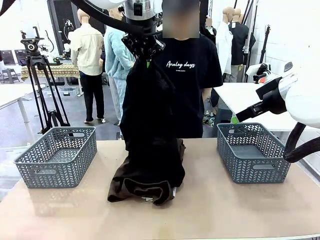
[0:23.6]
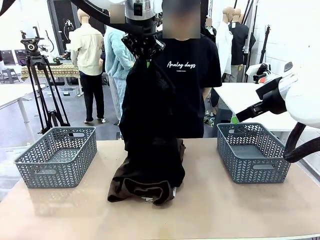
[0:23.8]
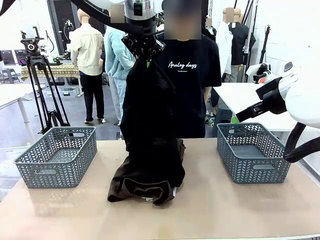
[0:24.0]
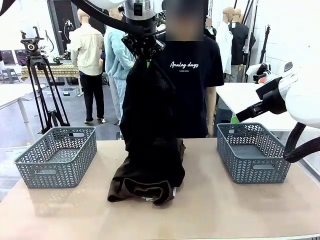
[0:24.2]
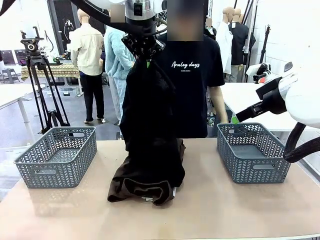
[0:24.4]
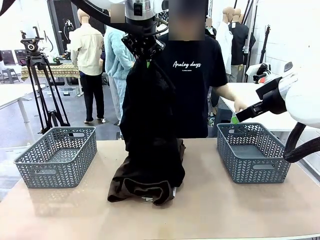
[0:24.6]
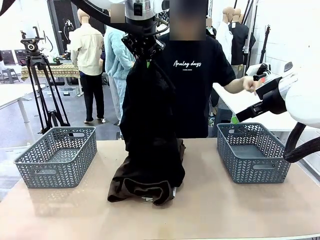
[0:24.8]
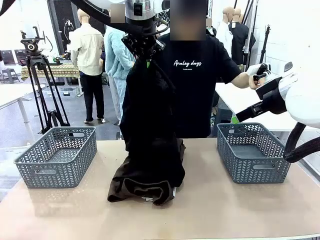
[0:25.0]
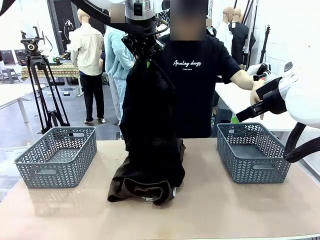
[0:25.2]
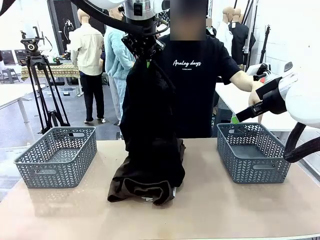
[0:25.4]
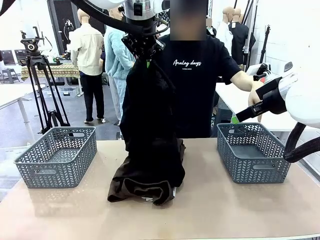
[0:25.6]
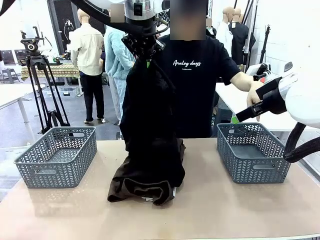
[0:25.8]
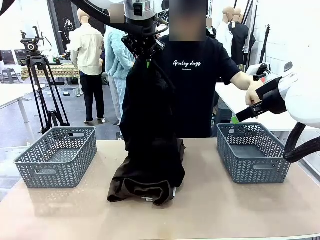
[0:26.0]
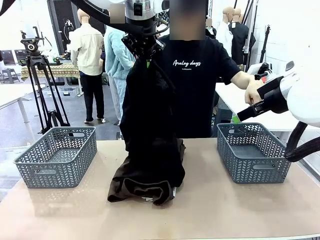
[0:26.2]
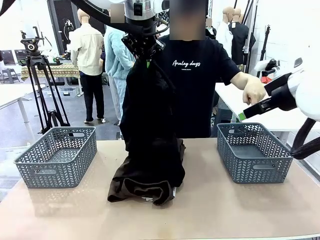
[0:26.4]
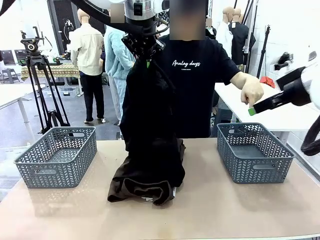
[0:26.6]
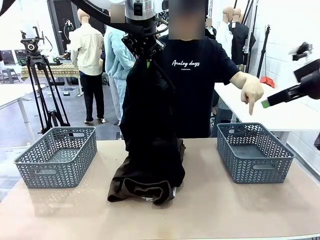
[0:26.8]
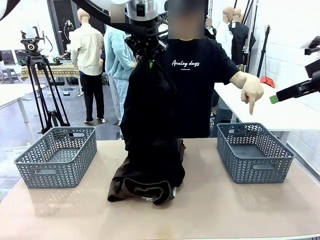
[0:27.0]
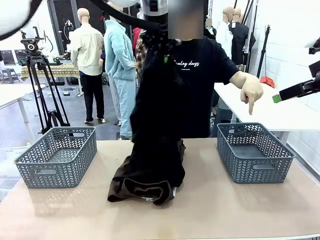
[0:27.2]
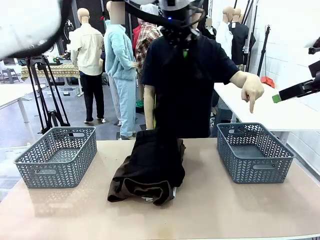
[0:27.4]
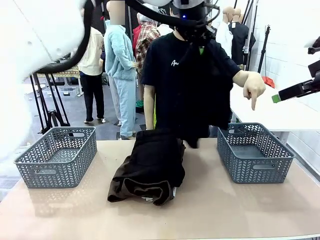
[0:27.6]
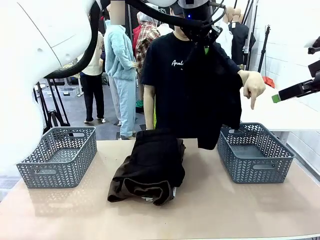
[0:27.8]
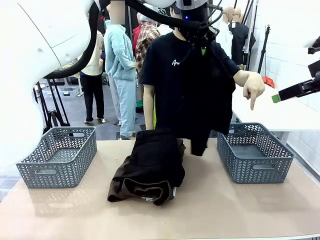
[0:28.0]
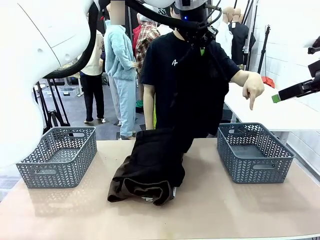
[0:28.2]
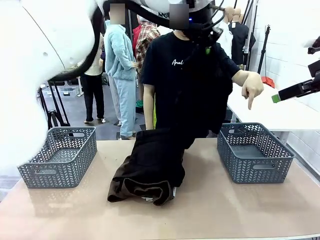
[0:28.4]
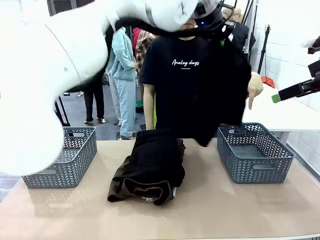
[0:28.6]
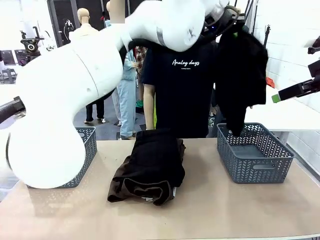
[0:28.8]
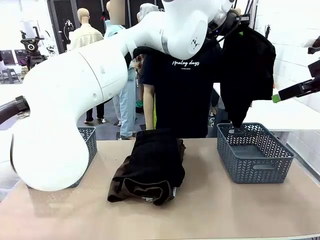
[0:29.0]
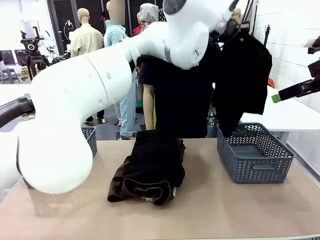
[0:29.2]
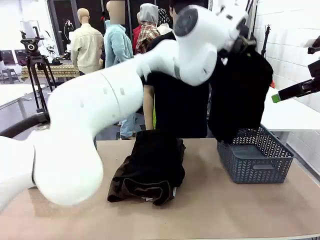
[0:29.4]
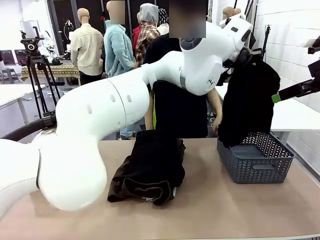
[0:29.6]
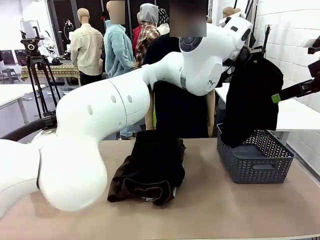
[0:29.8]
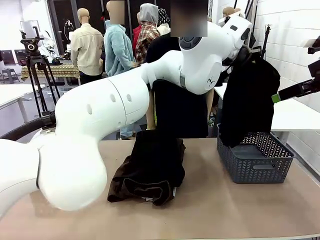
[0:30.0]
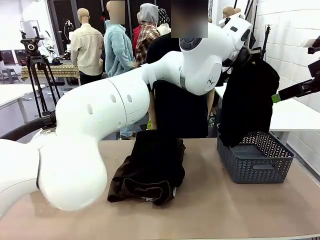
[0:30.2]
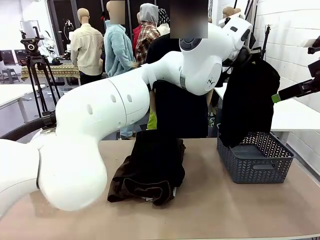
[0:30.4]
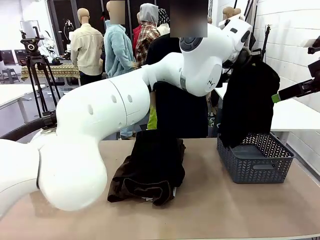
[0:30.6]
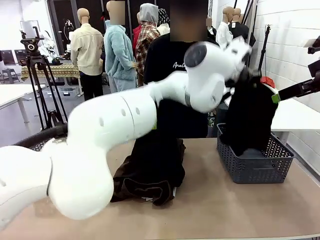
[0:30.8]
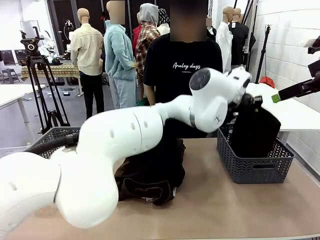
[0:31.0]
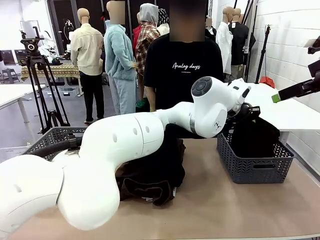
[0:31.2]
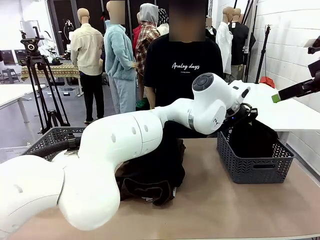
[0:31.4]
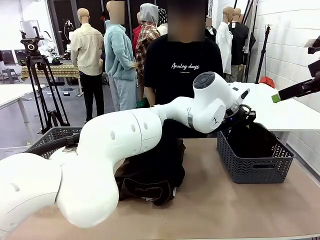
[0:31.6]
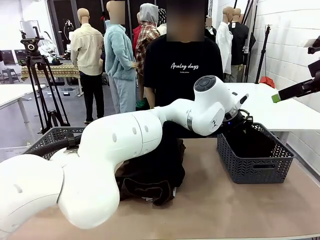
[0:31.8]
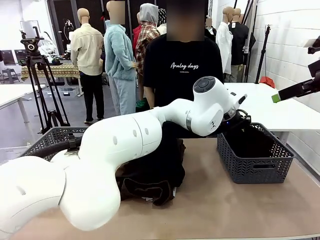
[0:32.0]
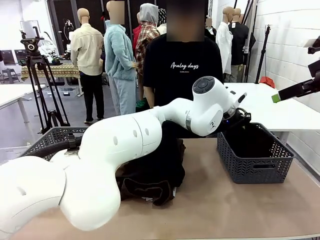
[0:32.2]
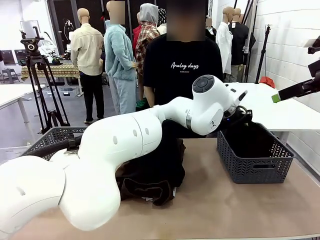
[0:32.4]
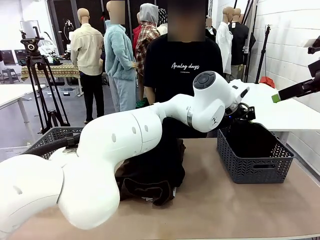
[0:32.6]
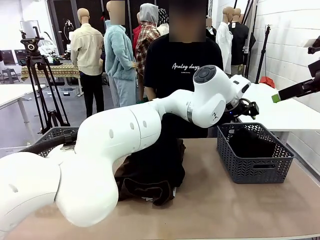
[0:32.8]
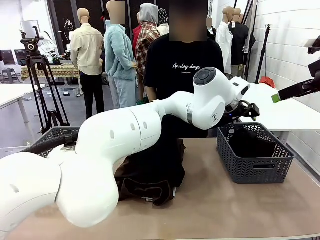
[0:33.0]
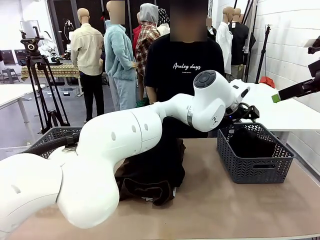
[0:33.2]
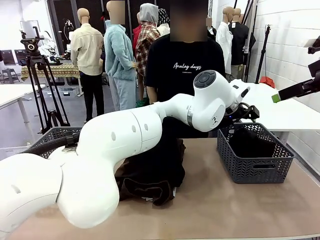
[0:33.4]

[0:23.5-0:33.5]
Task: Sort the tops and bottoms.
Robot: Sort the clothes according to human instructions.

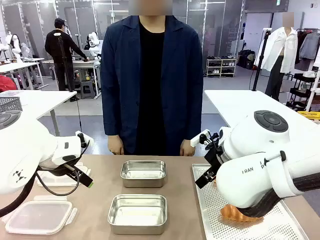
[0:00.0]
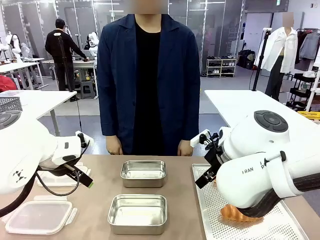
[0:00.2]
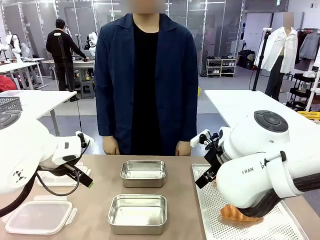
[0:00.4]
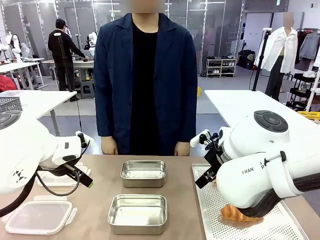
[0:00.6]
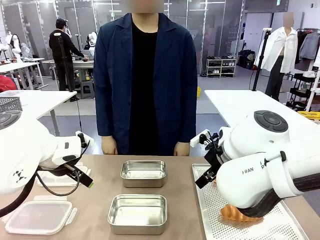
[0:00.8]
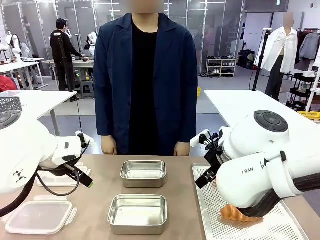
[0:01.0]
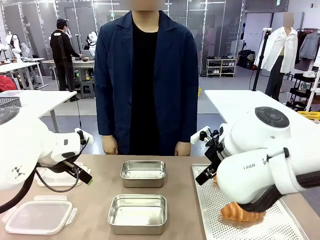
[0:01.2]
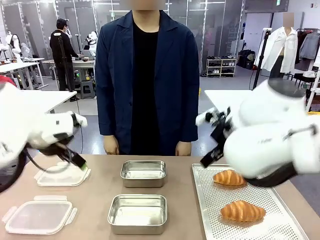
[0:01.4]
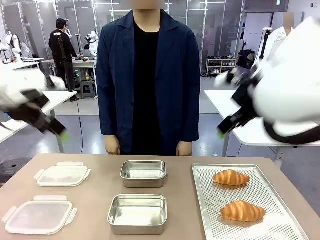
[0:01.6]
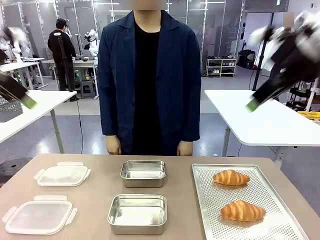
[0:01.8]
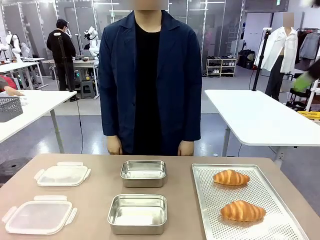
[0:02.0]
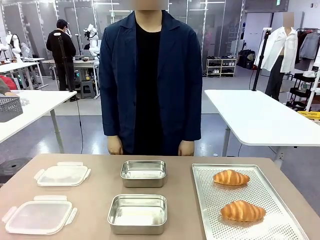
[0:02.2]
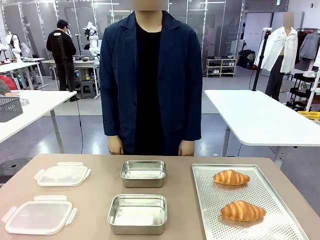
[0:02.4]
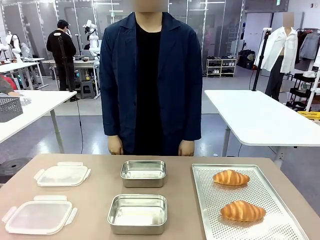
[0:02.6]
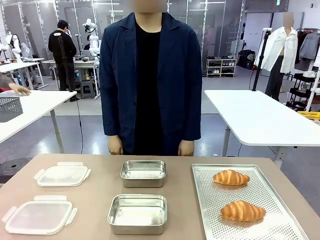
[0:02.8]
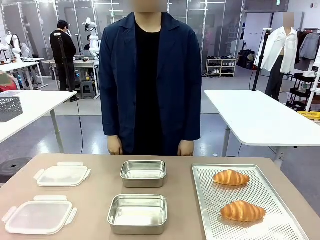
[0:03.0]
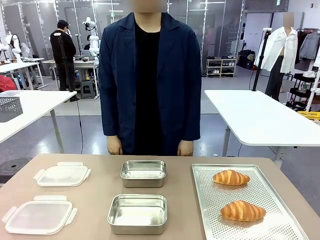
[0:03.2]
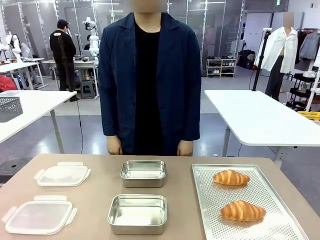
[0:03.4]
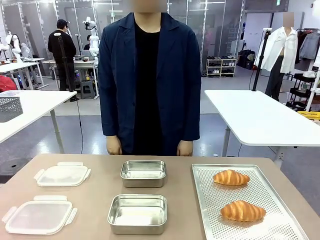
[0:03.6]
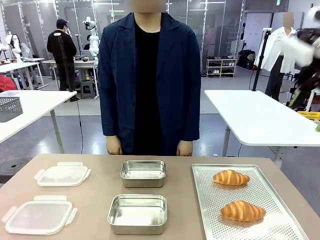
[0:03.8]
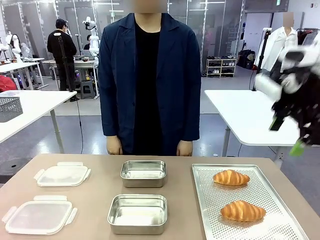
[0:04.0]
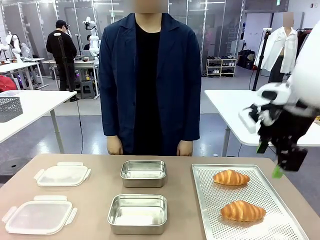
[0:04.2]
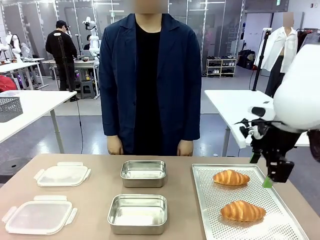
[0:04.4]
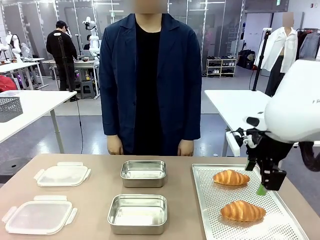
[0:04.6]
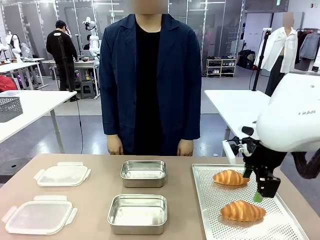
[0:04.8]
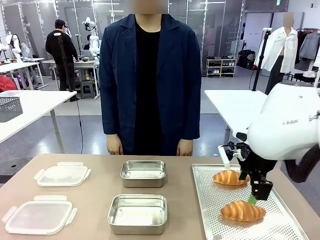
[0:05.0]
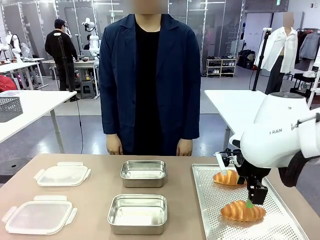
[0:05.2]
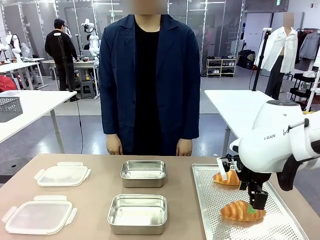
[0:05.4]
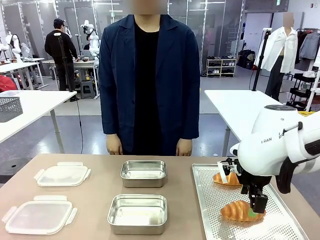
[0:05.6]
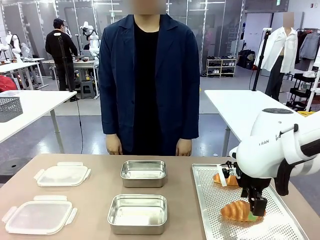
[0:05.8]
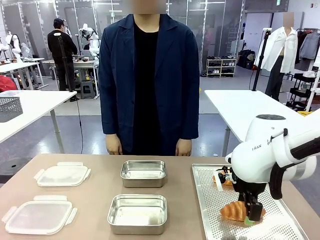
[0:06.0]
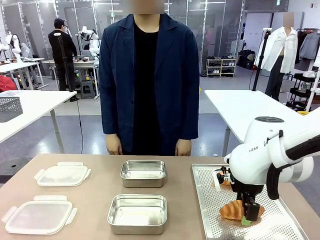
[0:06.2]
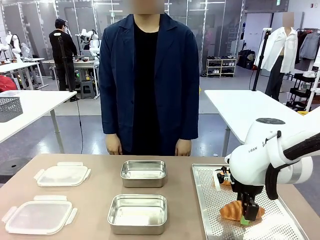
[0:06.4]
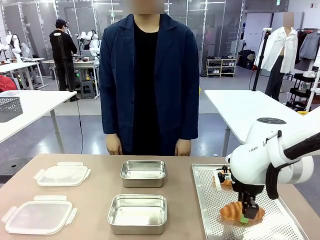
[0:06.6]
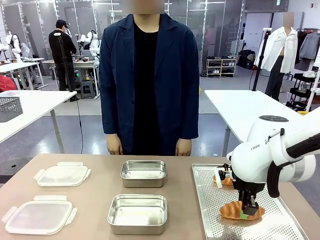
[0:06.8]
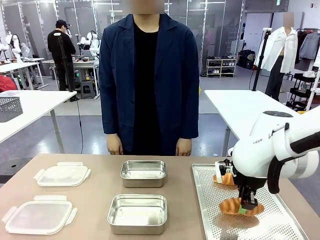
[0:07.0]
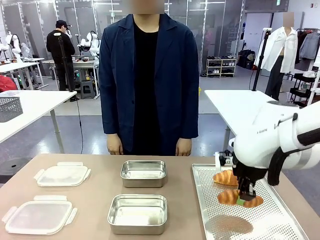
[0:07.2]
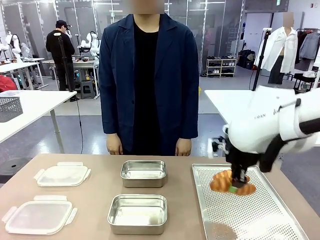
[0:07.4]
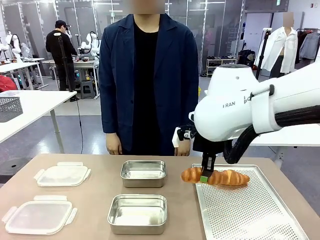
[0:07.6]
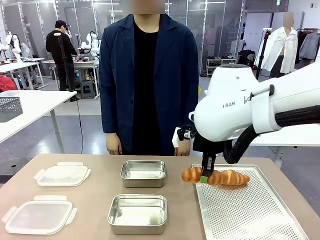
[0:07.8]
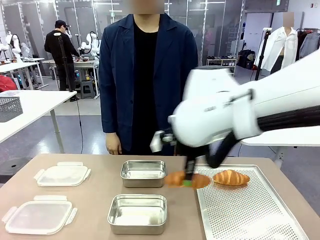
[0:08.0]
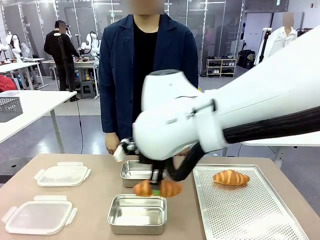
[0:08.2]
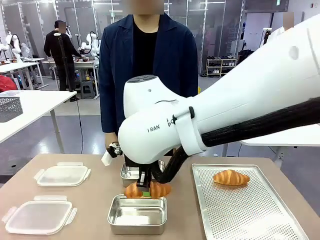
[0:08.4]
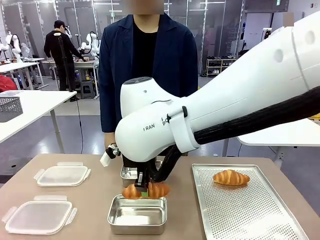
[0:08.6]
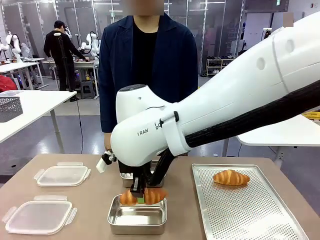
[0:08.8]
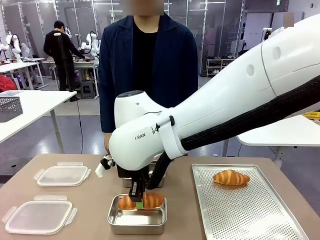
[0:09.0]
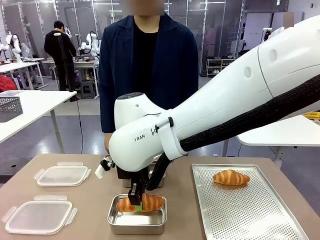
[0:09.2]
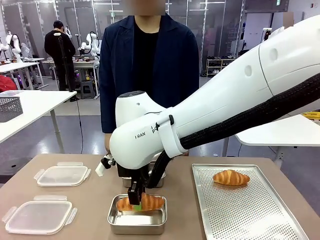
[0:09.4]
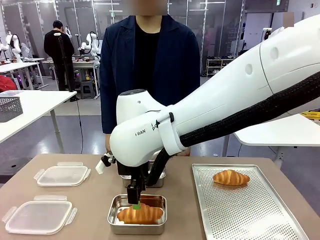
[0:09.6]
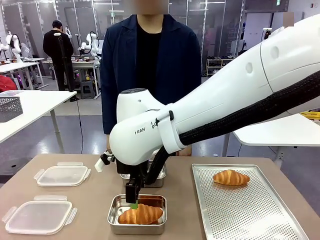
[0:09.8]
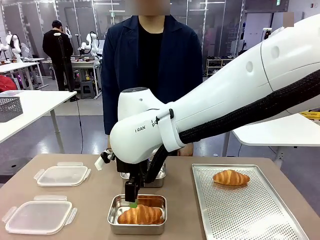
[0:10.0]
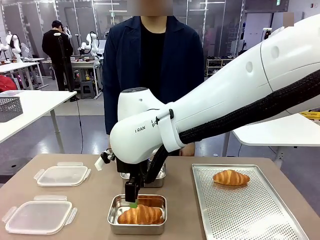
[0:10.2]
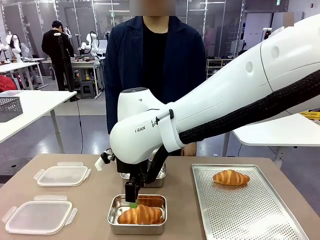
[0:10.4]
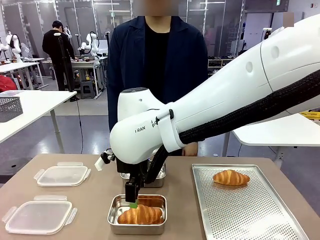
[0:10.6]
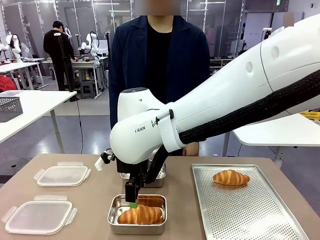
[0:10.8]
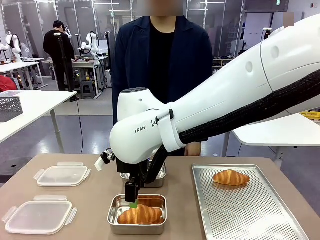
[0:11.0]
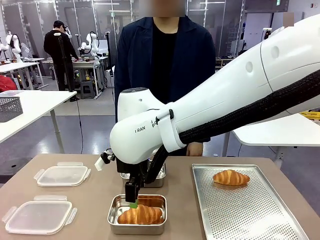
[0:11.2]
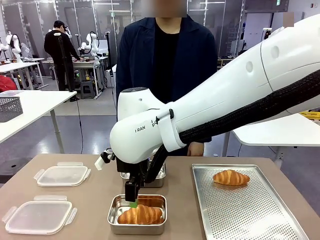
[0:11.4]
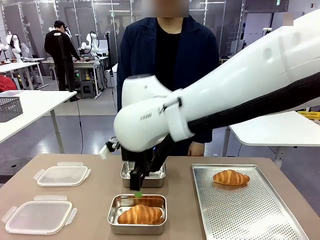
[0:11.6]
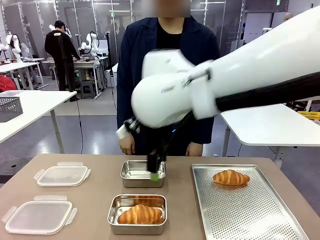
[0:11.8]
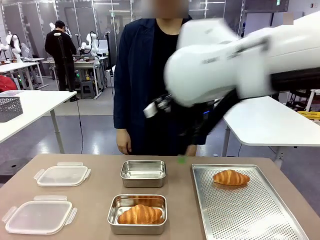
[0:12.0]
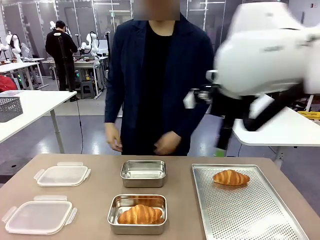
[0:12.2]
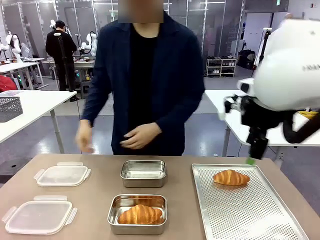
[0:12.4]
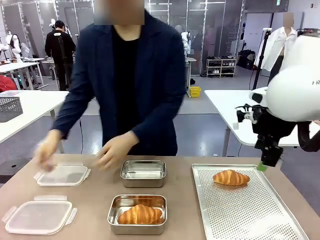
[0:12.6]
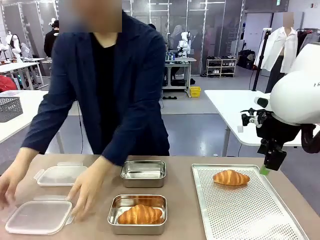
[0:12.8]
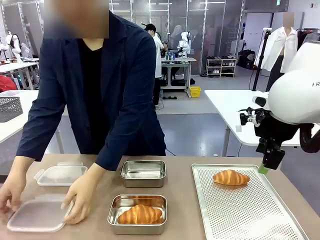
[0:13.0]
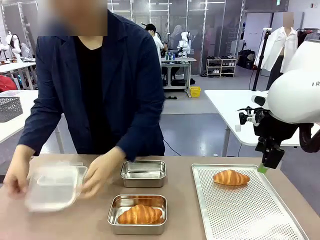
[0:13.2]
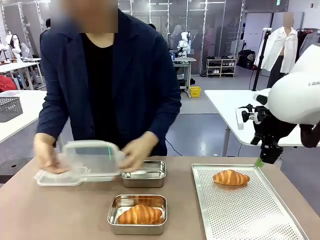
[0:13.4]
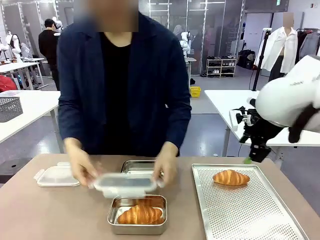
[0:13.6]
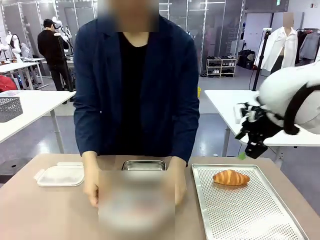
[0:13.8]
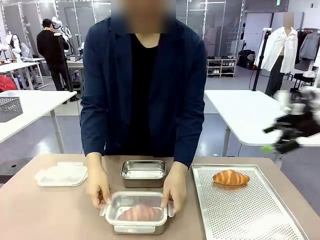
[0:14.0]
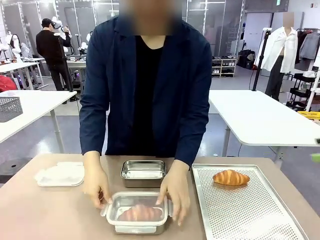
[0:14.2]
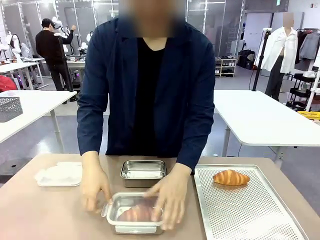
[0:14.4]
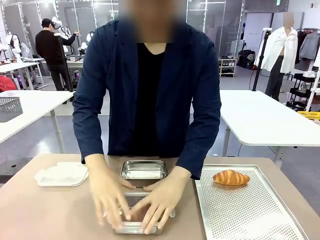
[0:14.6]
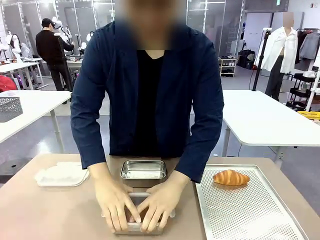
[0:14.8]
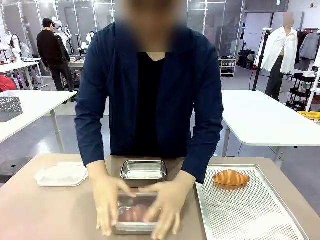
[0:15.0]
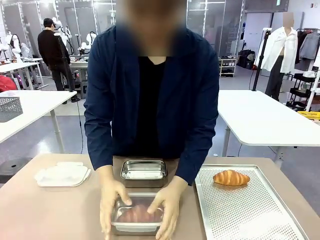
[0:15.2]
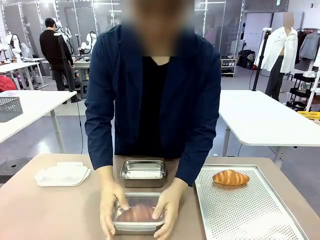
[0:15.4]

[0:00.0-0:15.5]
Task: Place the bread into the airtight container.
Robot: Pick up a Butter Roll and place it into an empty Airtight Container.
